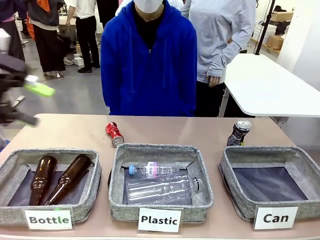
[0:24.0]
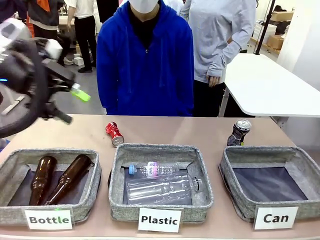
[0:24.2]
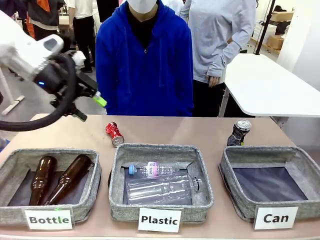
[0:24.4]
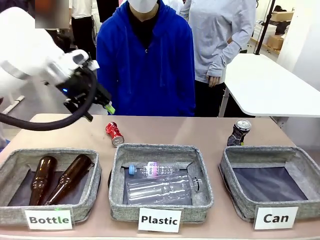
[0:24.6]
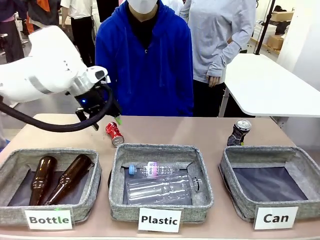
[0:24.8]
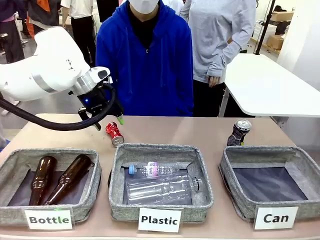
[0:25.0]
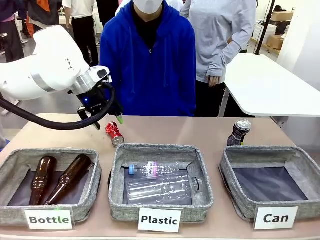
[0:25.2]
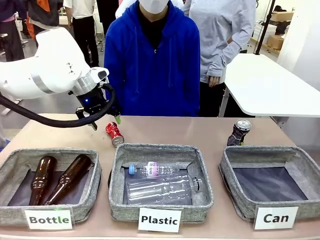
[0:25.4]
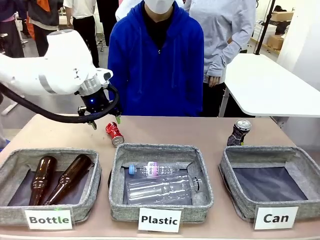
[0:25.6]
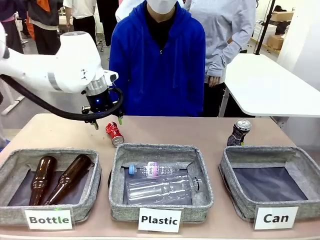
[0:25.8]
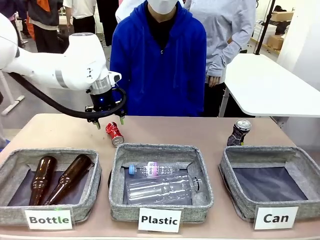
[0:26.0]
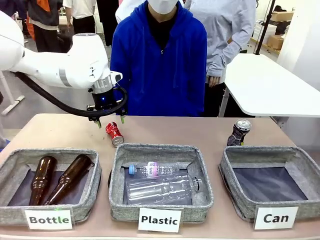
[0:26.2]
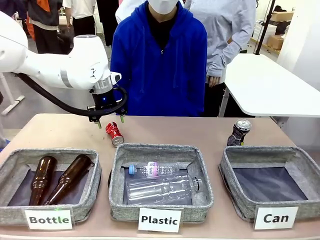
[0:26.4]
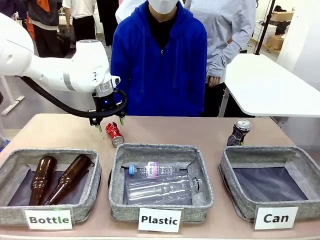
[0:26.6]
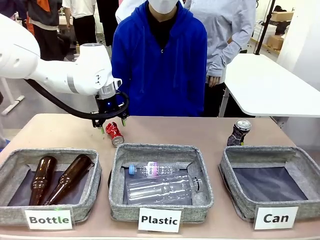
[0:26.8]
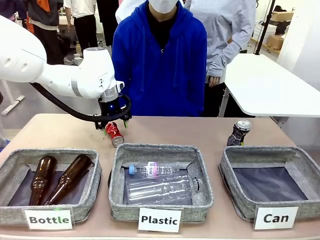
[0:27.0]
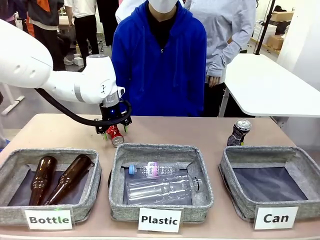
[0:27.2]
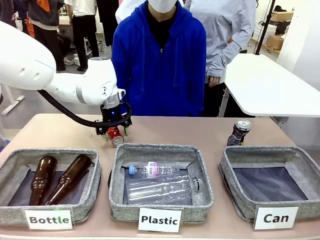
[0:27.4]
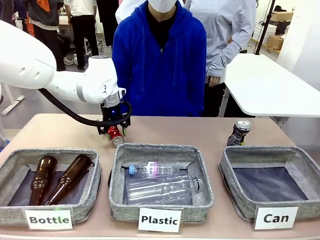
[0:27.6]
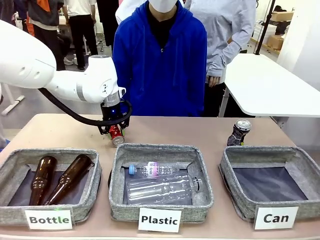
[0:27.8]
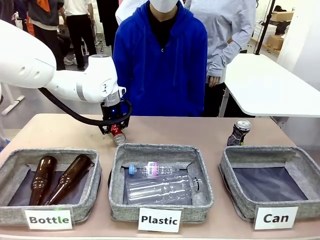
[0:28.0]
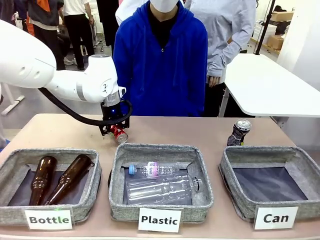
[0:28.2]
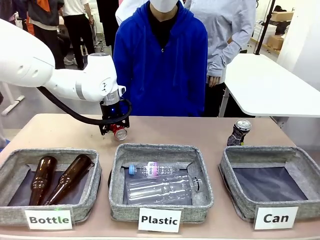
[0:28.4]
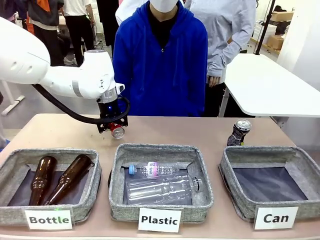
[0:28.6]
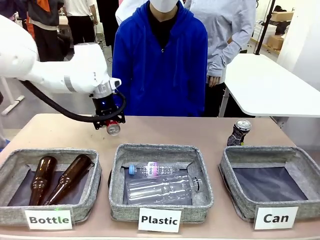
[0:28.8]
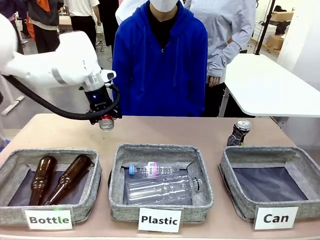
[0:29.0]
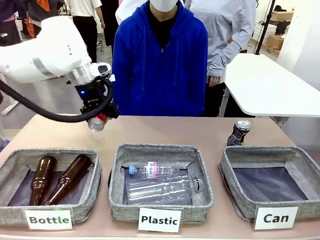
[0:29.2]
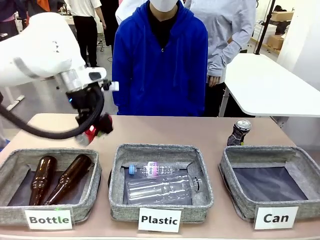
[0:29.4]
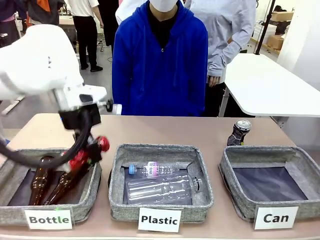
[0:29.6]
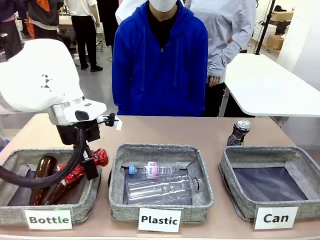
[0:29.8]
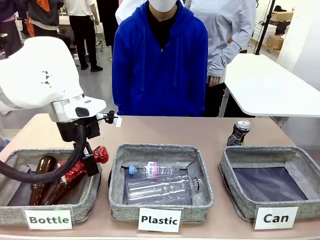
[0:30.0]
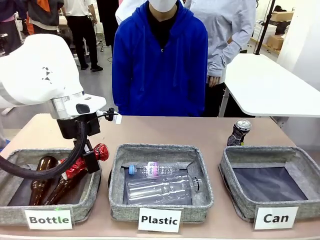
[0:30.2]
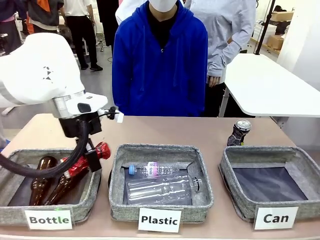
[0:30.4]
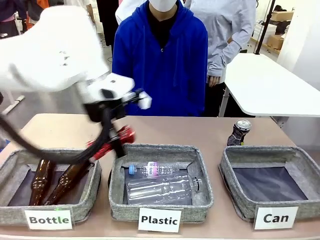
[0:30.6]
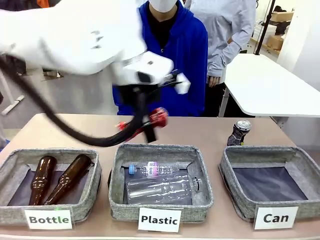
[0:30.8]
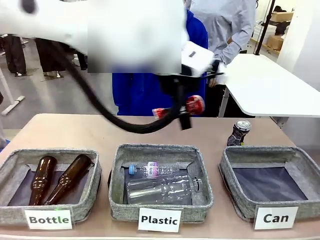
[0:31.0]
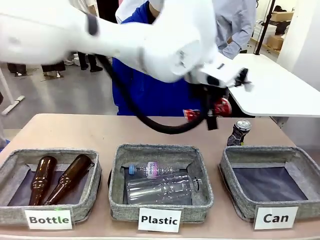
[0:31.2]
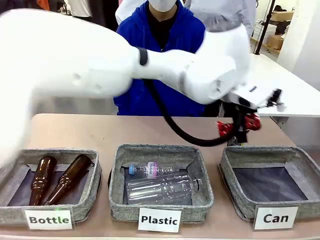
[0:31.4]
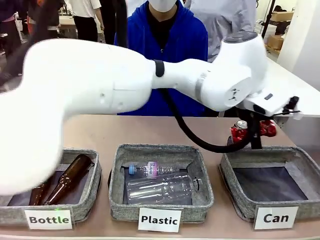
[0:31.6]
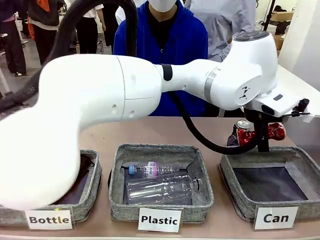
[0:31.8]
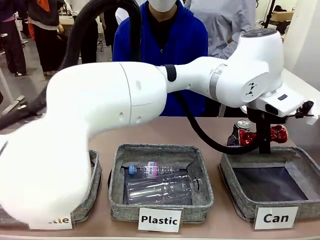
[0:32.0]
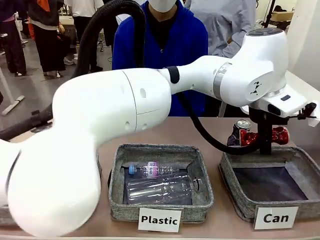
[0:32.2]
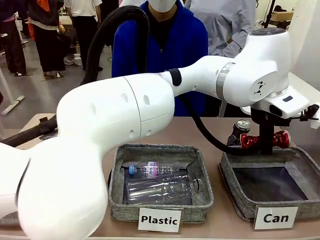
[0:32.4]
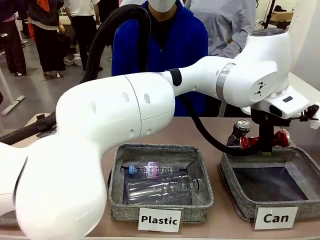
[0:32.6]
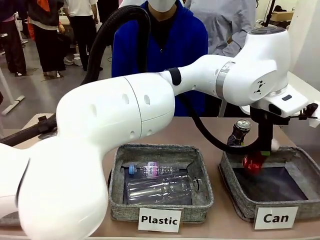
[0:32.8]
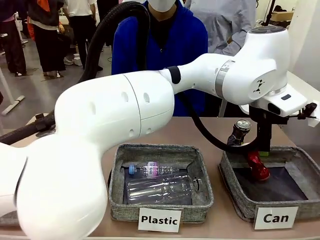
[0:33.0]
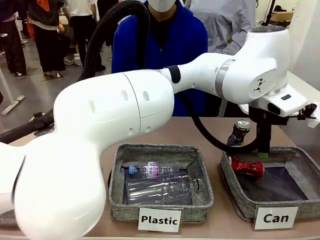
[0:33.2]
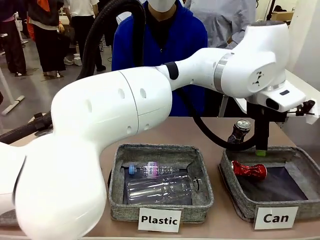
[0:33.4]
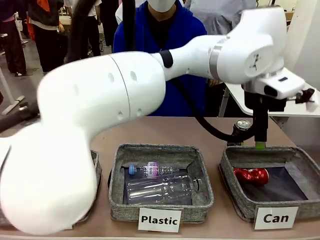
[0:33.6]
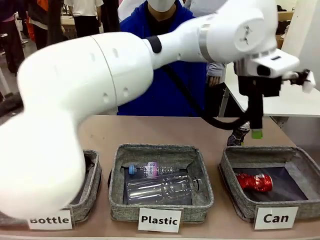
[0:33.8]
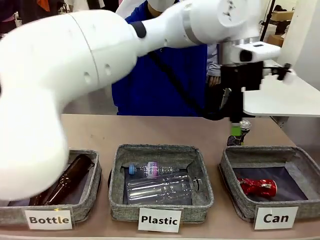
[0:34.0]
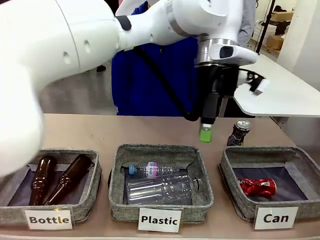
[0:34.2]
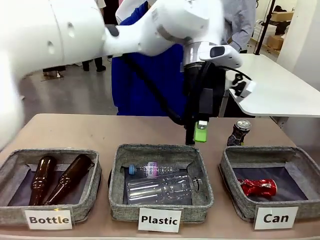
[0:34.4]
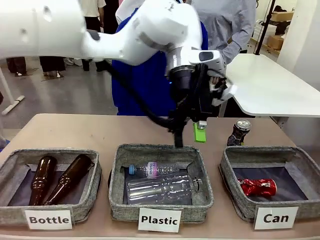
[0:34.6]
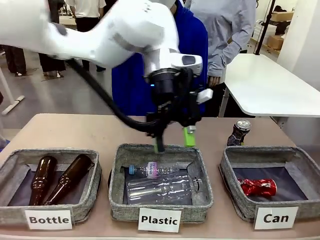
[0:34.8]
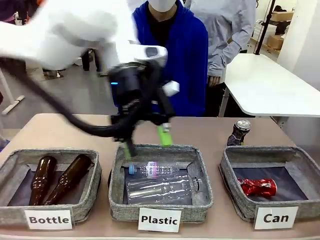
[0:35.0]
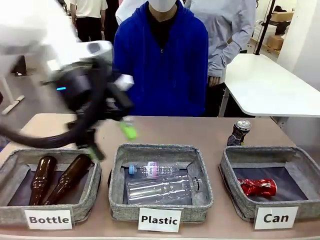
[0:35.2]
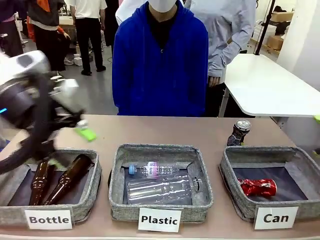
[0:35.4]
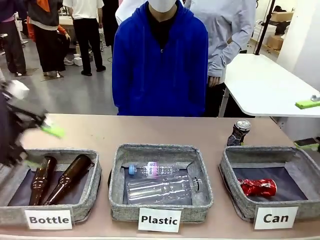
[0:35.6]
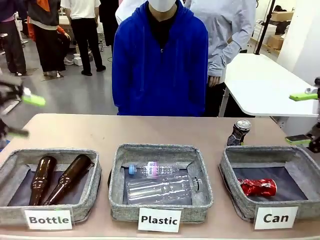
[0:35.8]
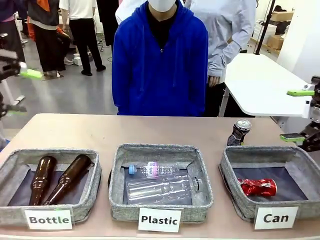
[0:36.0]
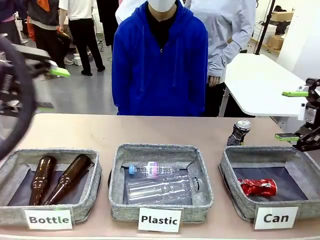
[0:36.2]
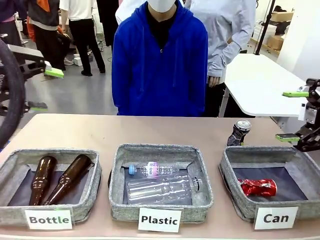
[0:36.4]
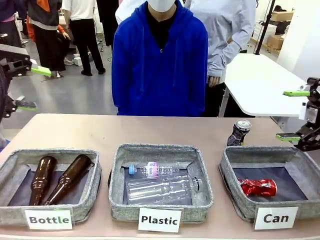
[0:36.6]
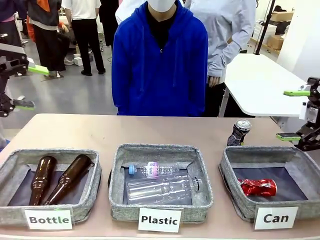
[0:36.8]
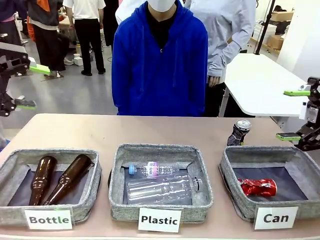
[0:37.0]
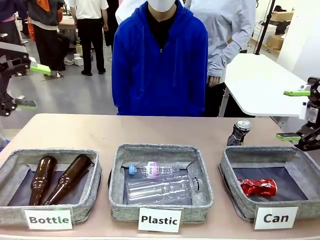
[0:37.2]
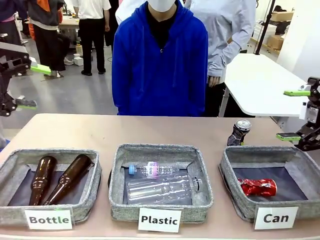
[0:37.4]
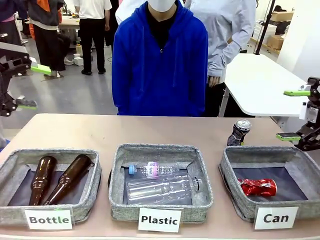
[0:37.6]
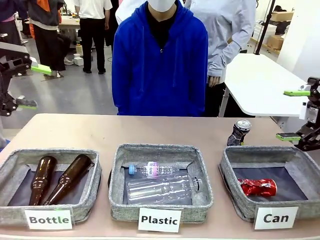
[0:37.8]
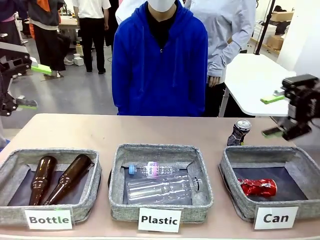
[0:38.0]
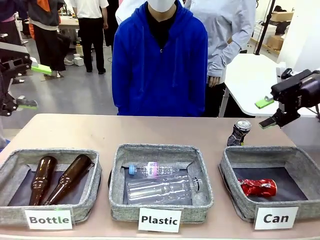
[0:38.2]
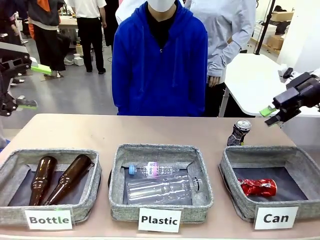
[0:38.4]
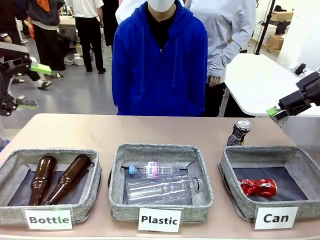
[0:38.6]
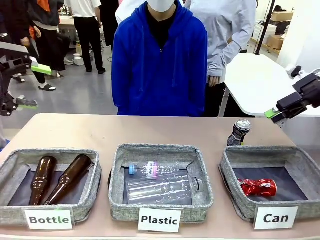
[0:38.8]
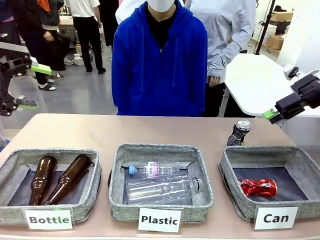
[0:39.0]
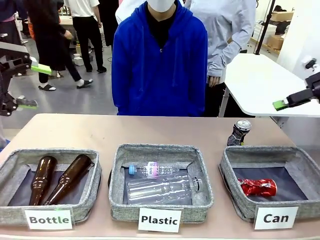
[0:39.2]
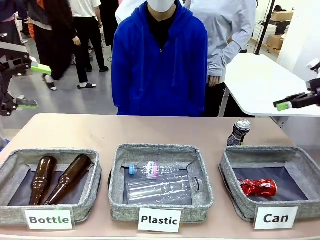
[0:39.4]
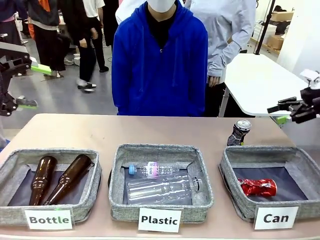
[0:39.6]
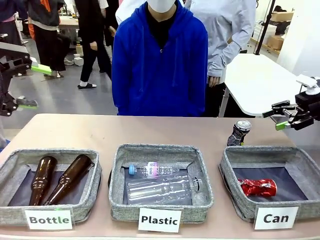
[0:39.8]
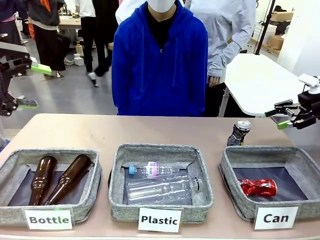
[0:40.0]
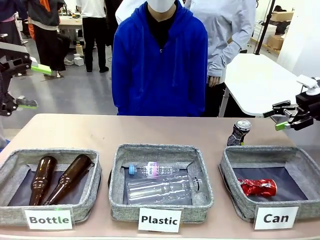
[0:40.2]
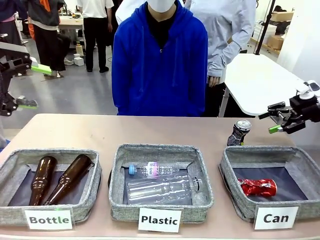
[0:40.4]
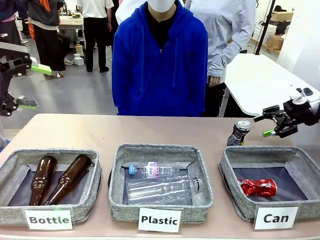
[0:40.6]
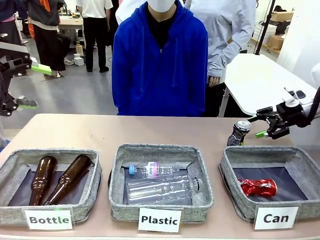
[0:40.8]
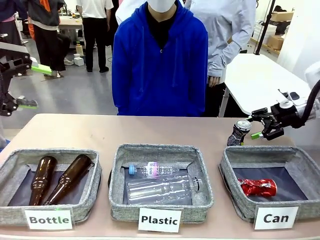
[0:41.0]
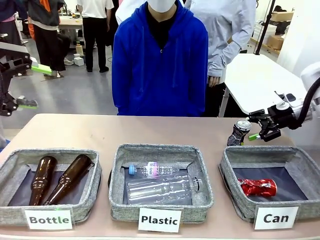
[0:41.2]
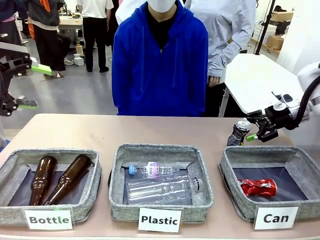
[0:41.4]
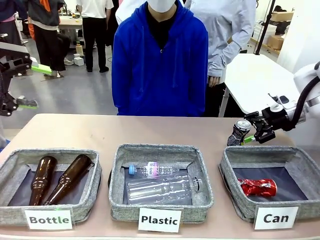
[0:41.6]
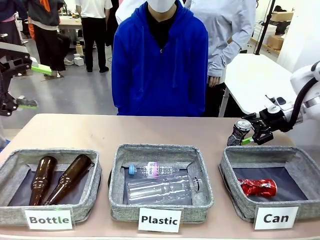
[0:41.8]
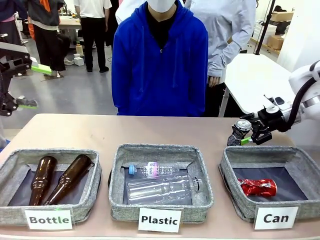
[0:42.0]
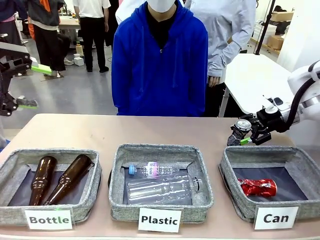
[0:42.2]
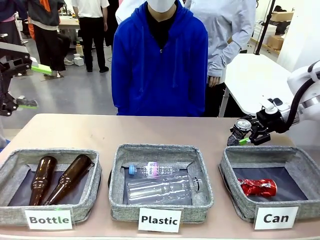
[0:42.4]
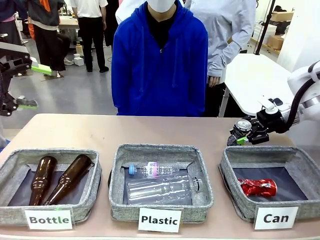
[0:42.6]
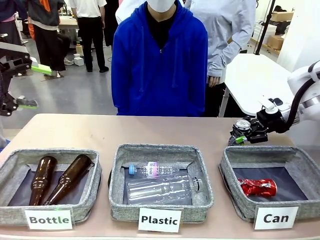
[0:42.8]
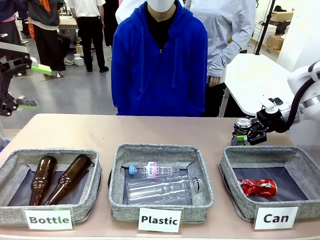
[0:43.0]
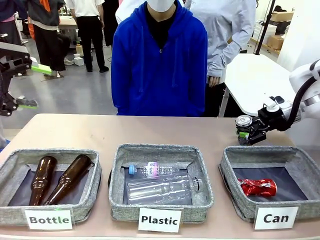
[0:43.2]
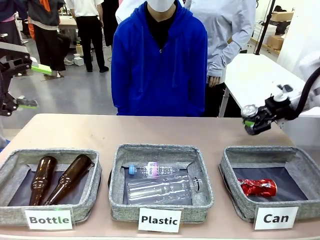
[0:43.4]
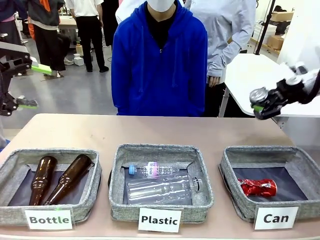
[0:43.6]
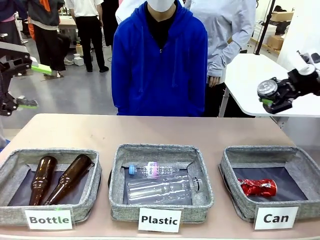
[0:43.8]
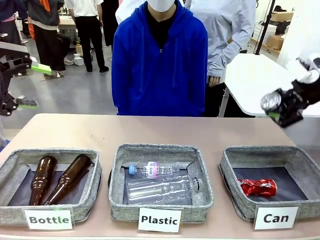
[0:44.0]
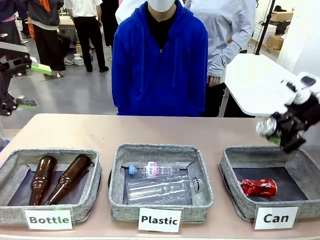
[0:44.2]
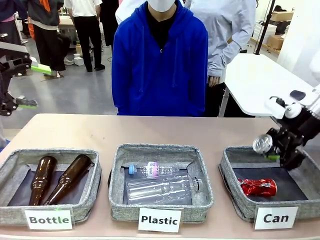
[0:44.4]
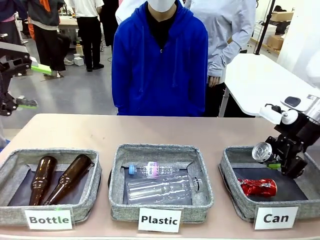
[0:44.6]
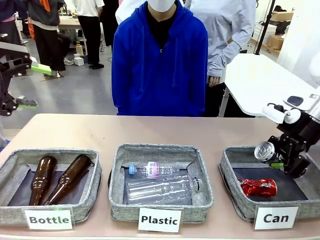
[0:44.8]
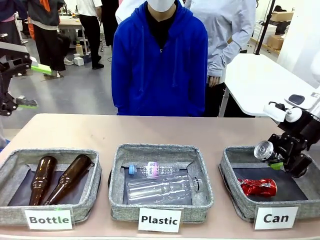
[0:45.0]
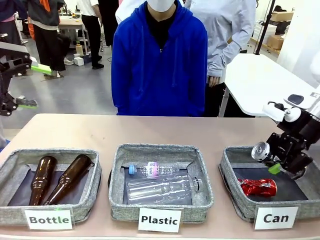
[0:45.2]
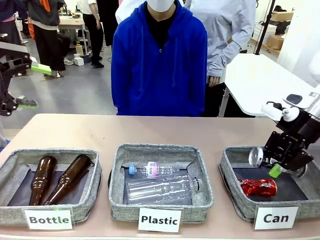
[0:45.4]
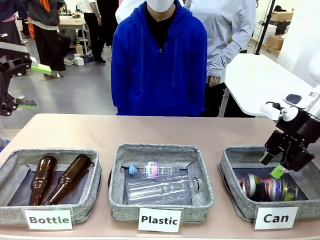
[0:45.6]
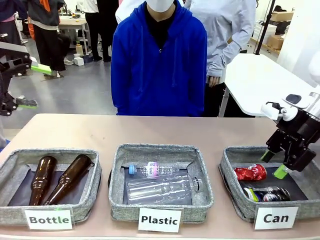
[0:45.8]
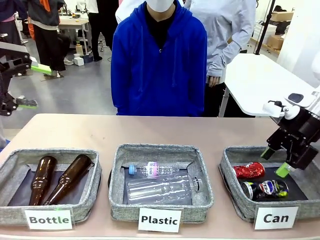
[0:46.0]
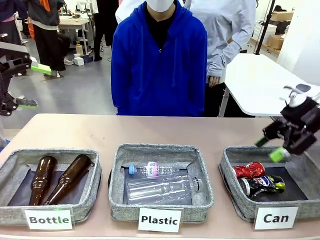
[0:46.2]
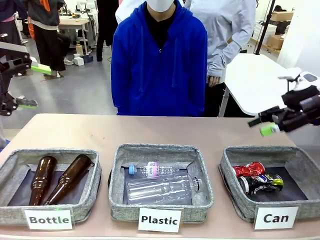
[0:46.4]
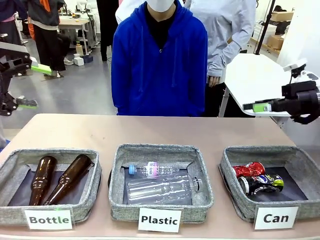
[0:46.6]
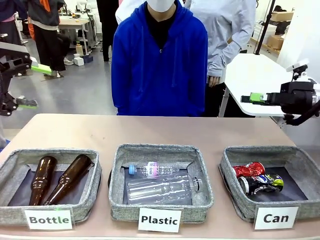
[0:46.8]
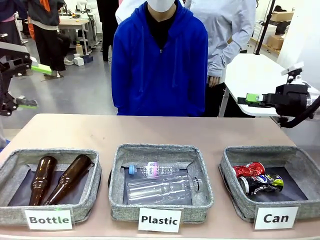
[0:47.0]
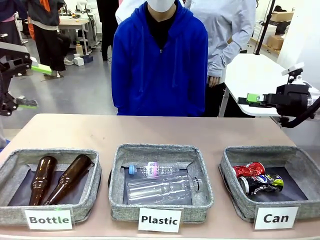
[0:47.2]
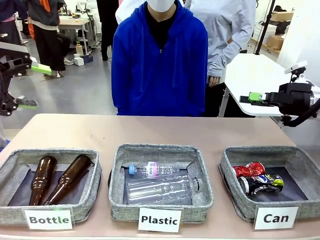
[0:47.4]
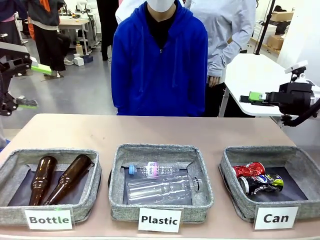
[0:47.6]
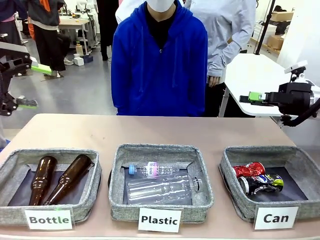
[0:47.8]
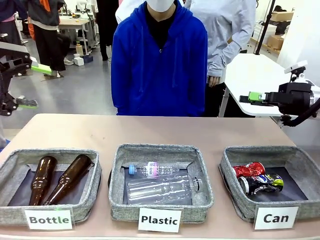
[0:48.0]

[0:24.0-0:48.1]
Task: Sort the can waste into the basket.
Robot: Pick up the can waste from the table and place it in the right Fabric basket.
Person: The human picks up one piece of trash that is not a can and places the trash into the appropriate organizing basket.
